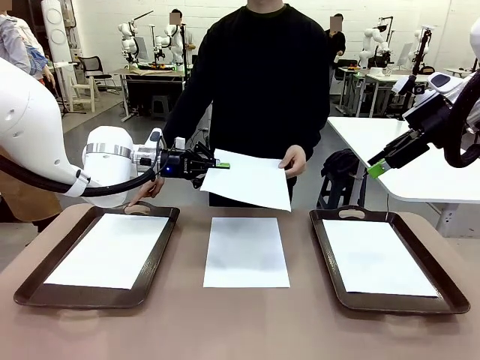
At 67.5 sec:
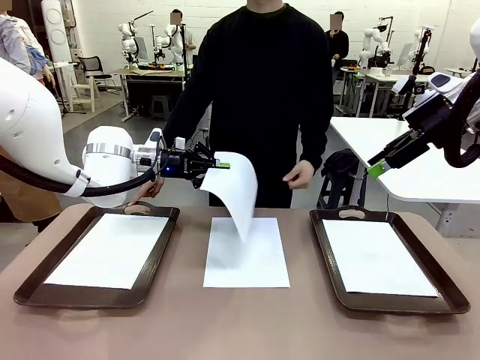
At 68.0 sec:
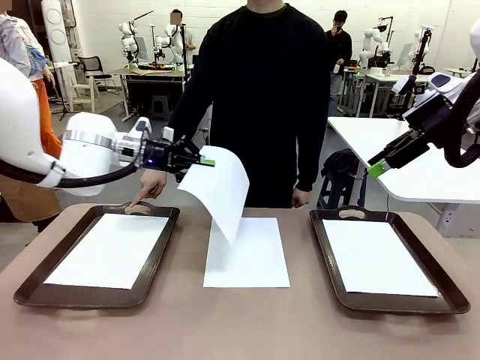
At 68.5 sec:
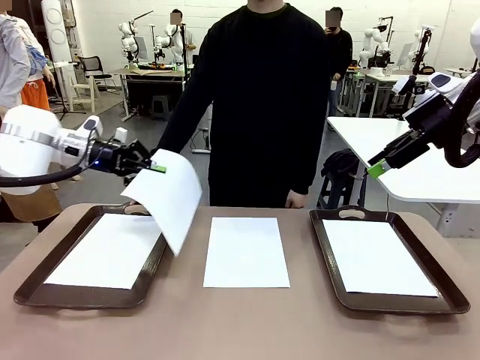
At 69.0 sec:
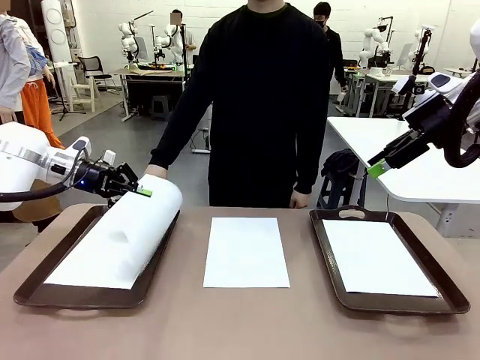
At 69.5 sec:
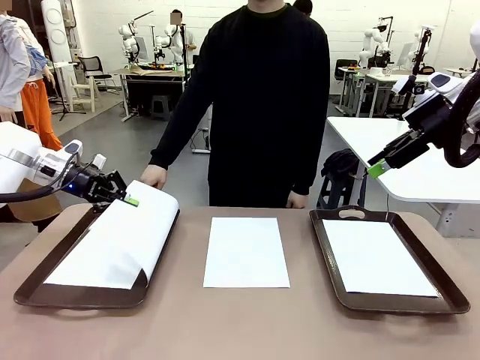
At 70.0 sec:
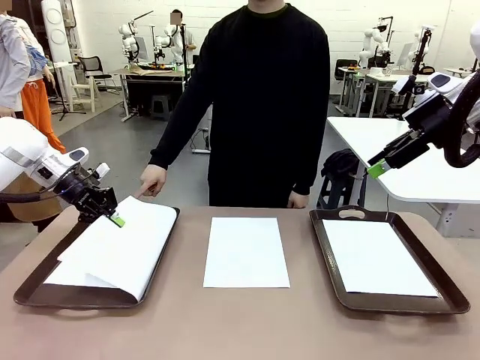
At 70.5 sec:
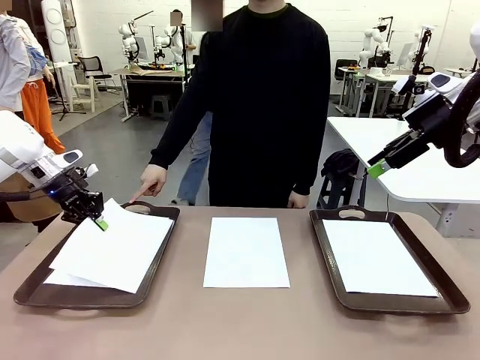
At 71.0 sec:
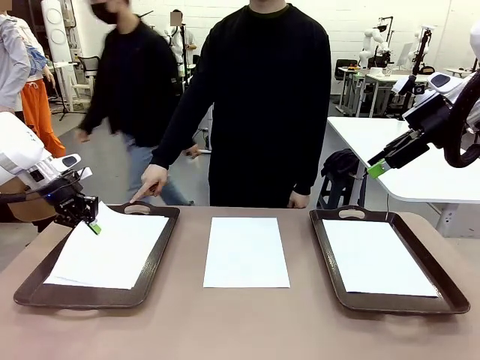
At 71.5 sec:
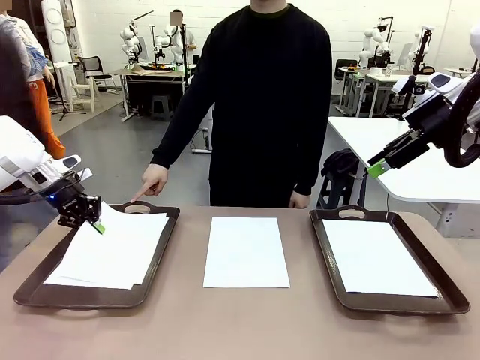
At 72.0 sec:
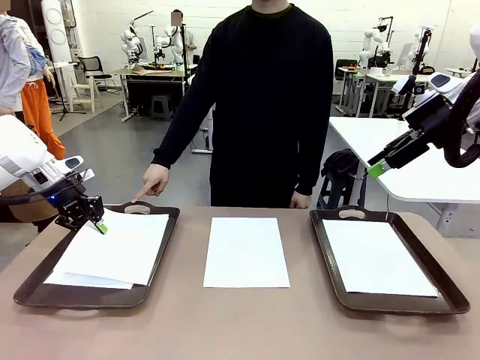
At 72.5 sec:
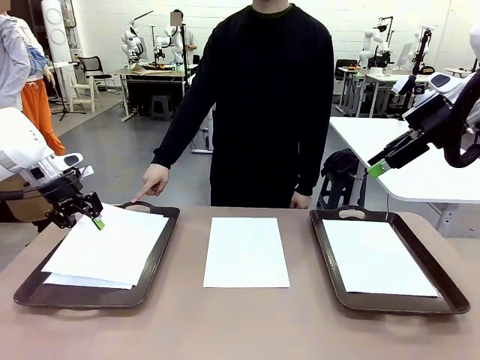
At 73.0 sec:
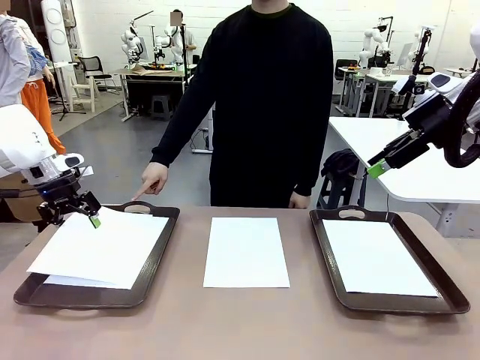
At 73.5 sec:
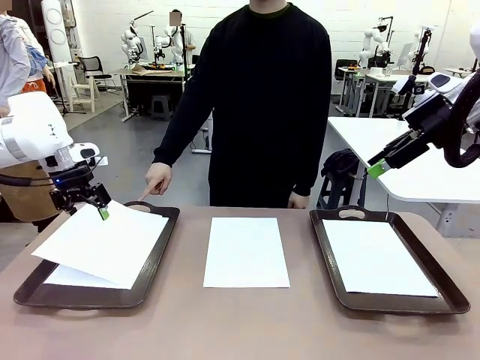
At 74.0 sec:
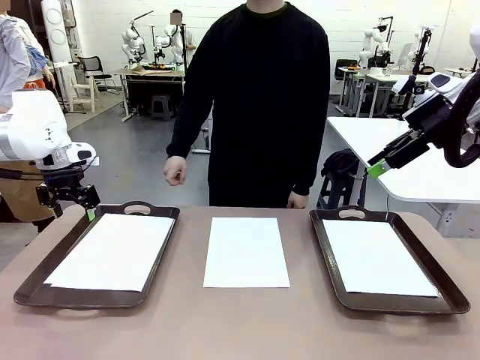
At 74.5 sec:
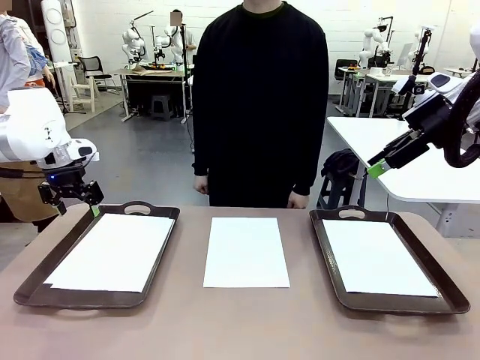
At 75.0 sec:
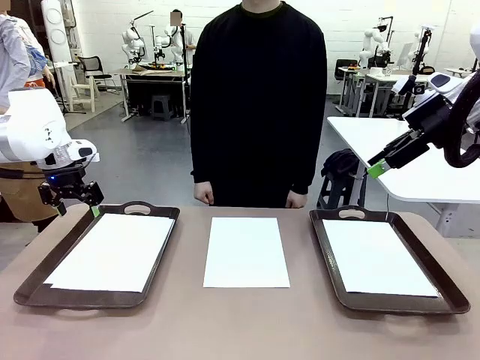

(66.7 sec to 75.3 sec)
Task: Sort the A4 documents.
Robot: Place the A4 Paper in the designated Handle tray.

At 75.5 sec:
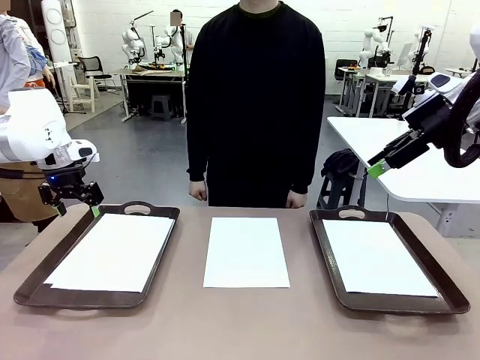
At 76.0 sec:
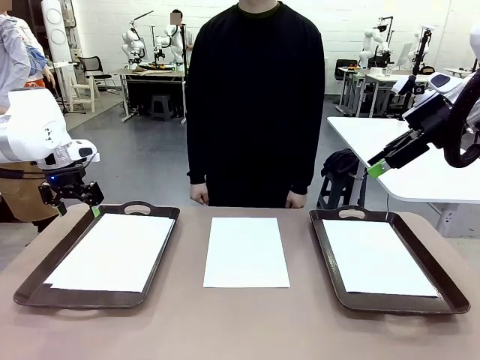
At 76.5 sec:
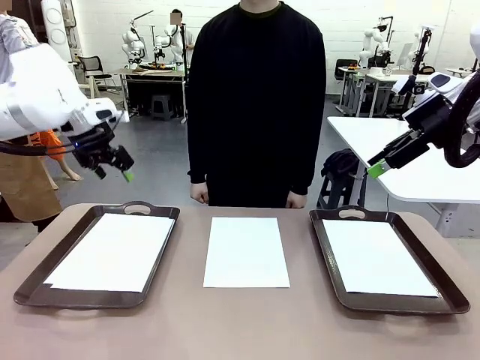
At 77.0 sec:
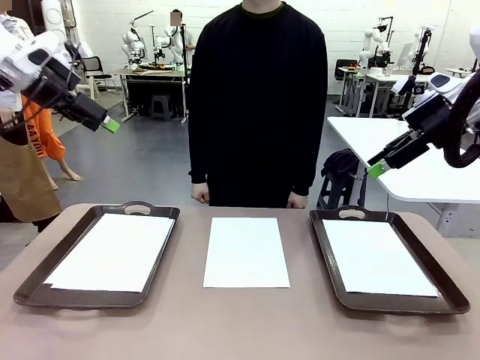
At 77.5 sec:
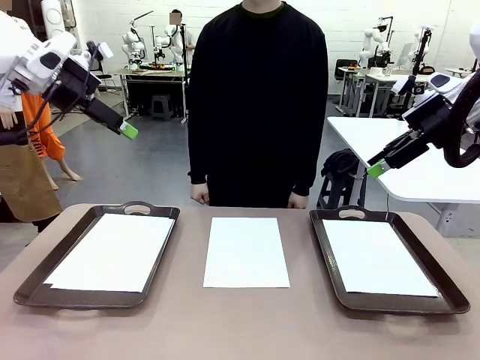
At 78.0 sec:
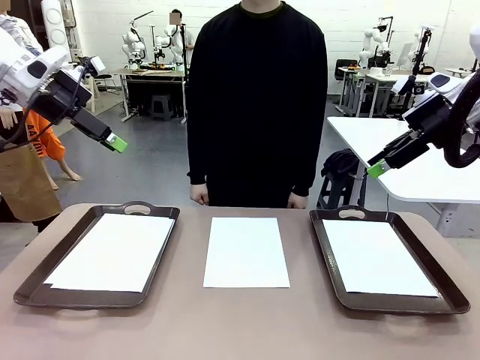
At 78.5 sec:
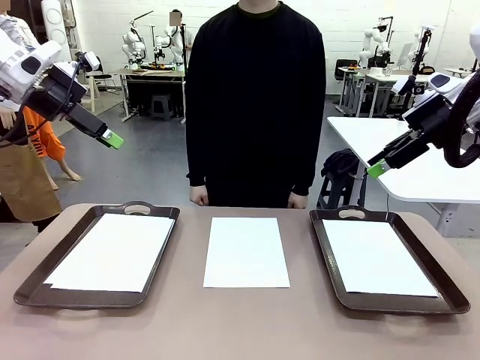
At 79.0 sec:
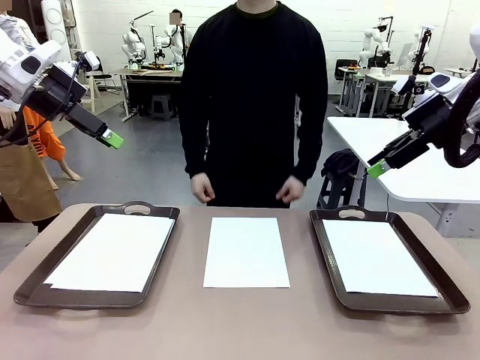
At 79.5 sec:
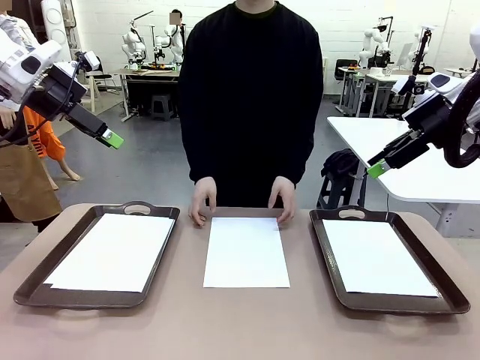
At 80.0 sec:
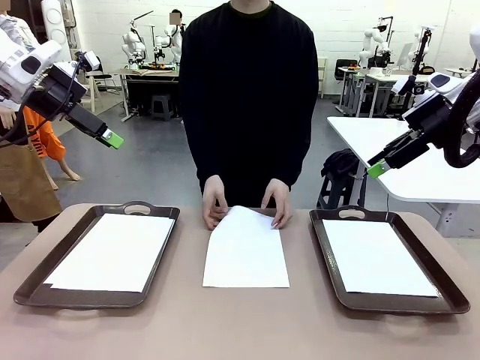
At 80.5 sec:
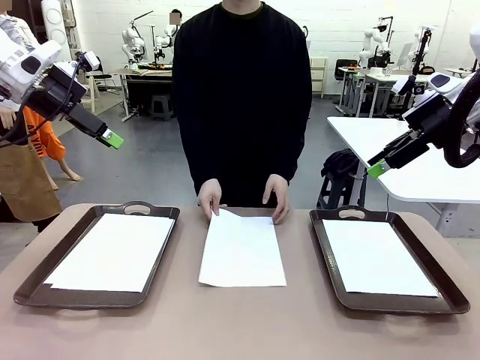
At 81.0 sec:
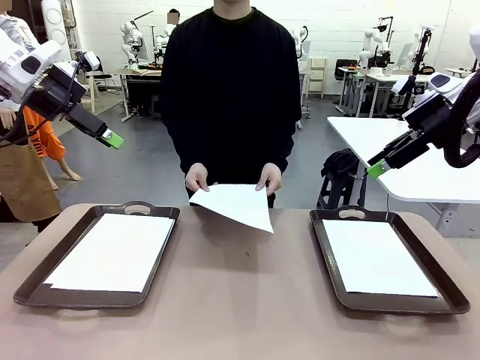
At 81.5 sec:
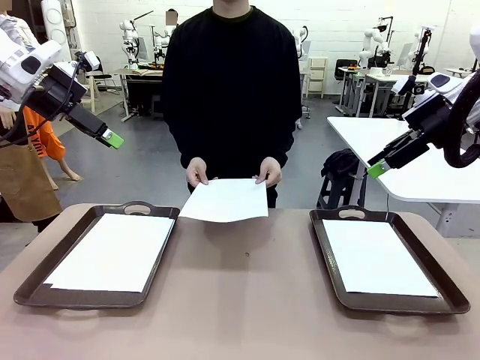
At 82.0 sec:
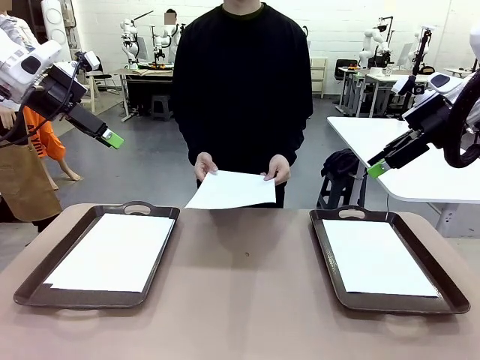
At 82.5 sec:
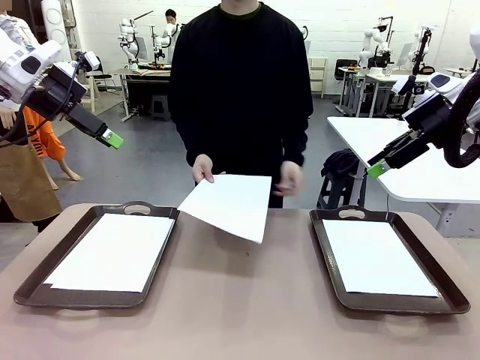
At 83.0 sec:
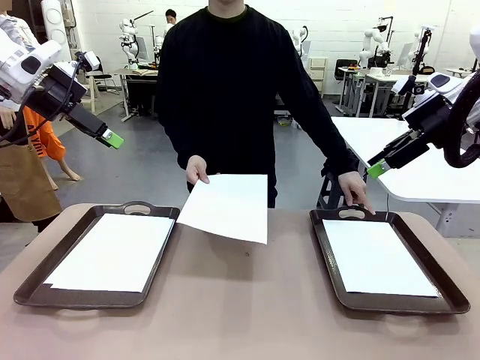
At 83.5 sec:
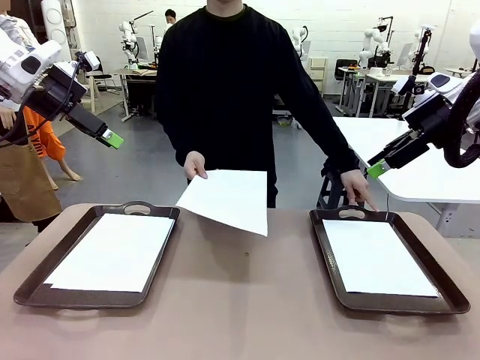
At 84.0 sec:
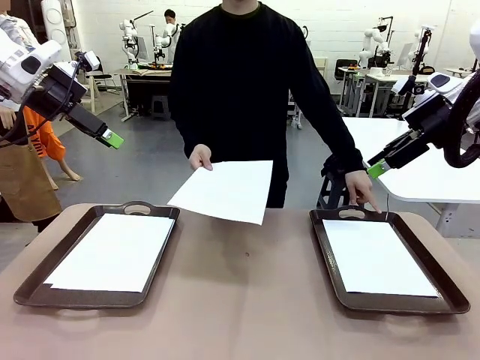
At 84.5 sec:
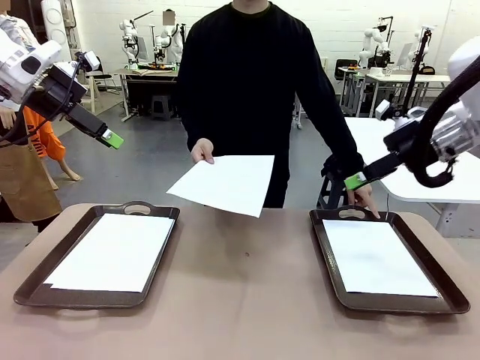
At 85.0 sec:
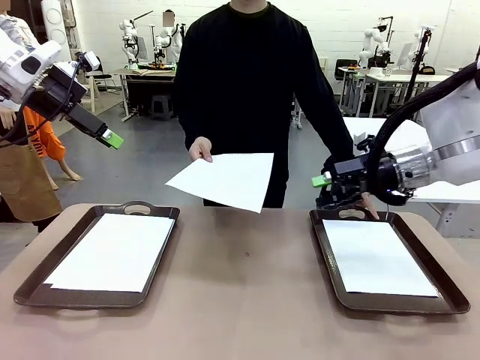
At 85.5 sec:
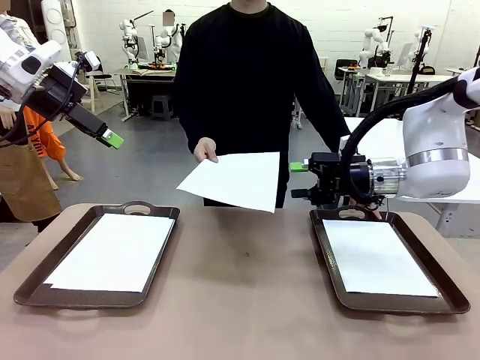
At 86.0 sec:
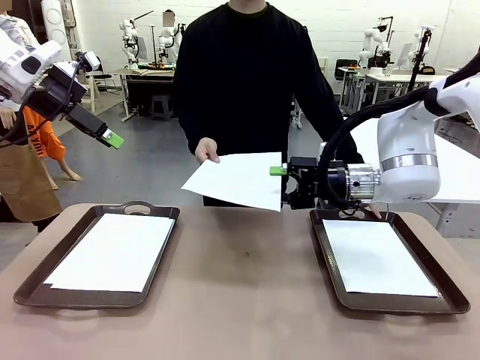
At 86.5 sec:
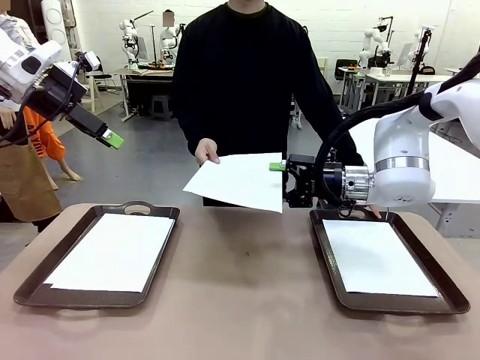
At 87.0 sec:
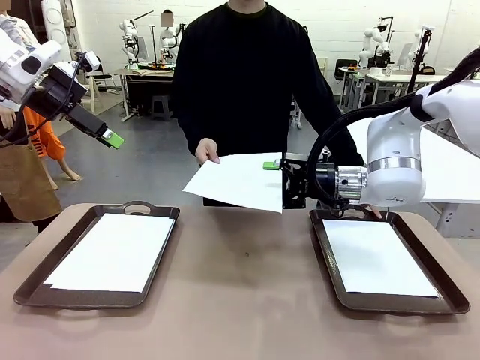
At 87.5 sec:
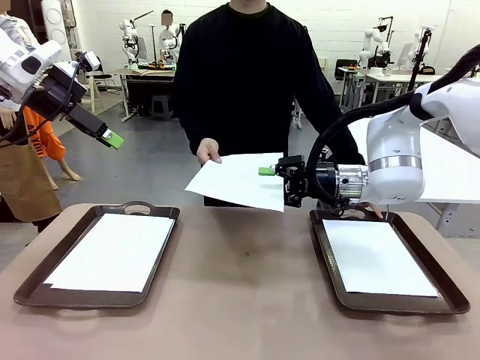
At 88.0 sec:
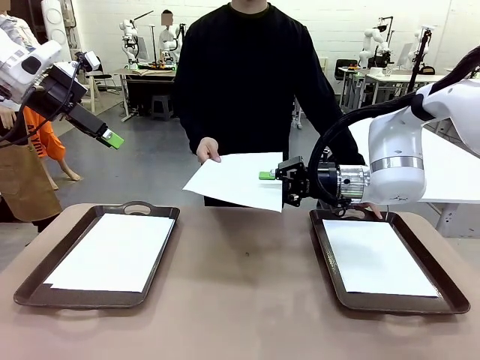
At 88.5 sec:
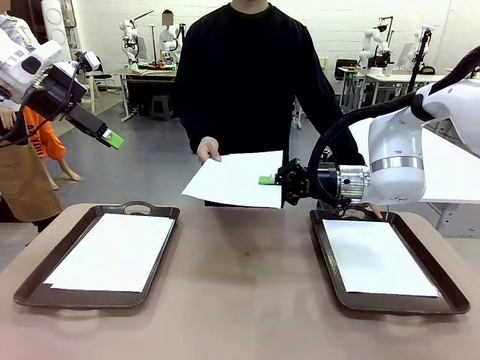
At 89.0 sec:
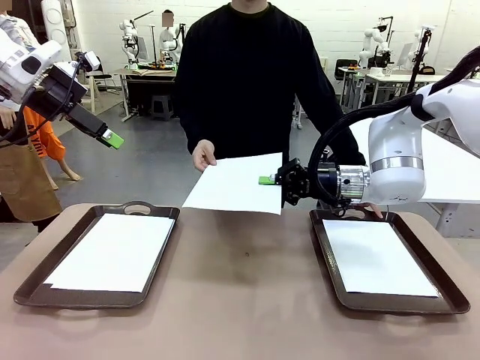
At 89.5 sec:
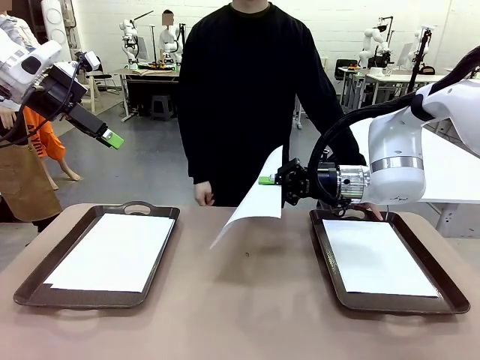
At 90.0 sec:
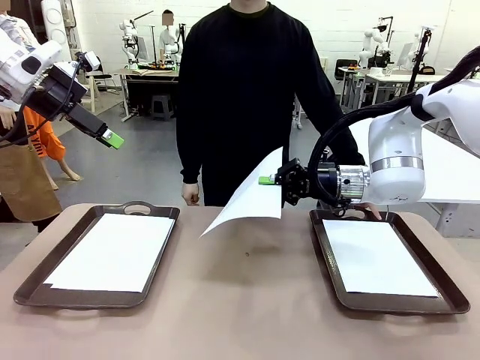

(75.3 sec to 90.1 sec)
Robot: Receive the A4 Paper.
Person: Point the randomly selected tray with the other hand.

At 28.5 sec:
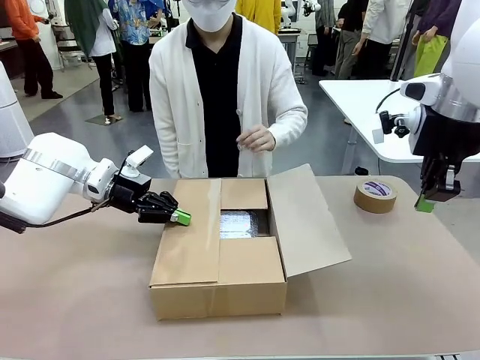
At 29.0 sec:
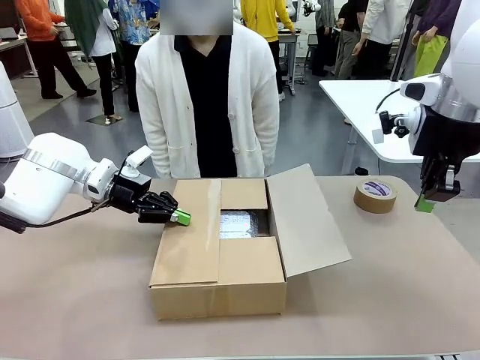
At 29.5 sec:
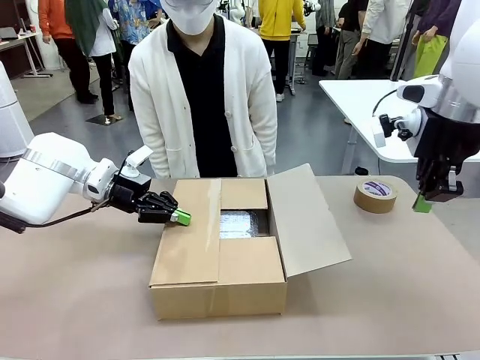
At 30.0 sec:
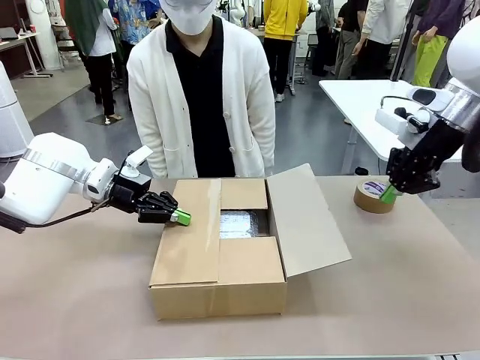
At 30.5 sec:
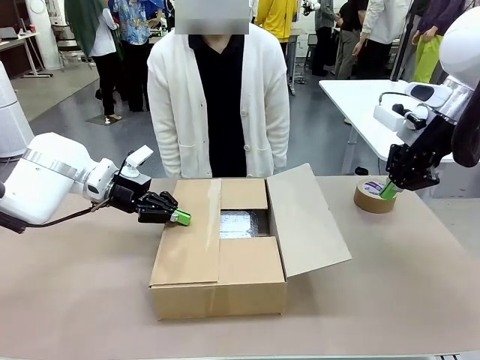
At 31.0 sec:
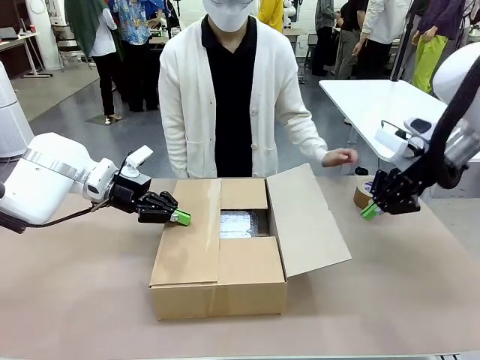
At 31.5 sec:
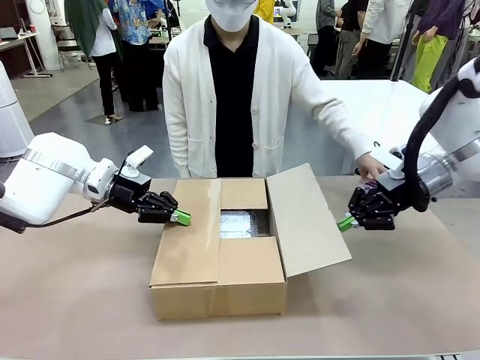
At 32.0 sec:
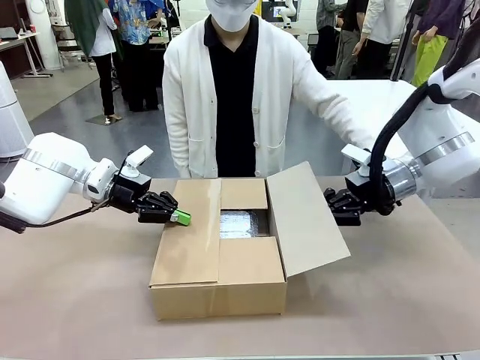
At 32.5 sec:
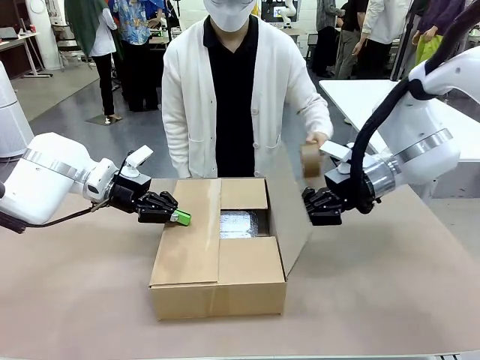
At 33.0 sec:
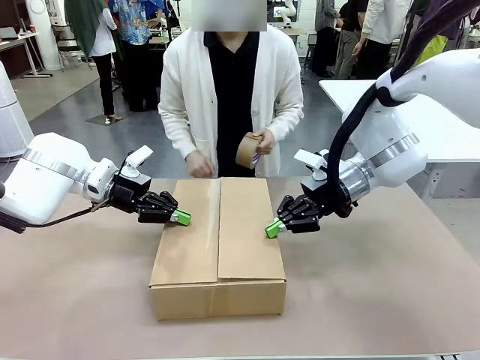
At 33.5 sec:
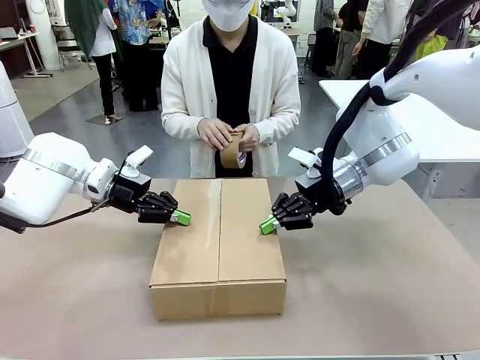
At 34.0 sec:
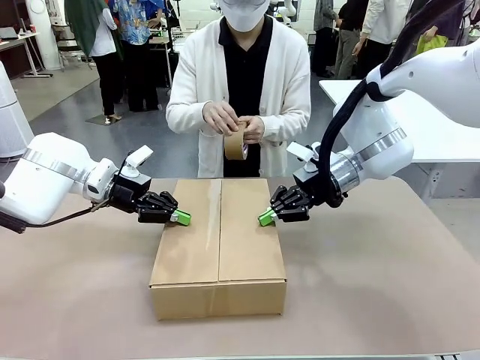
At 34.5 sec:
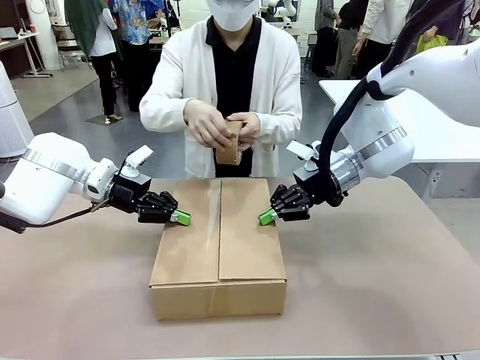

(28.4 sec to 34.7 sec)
Task: Wrap the clocks to prevent damage.
Robot: Push the left (or right) flap of the Package Box to close it.
